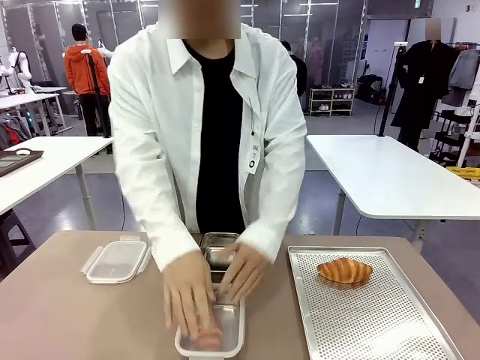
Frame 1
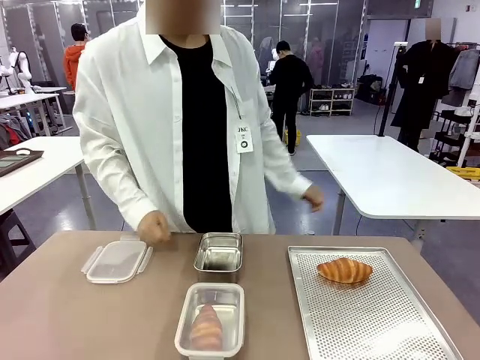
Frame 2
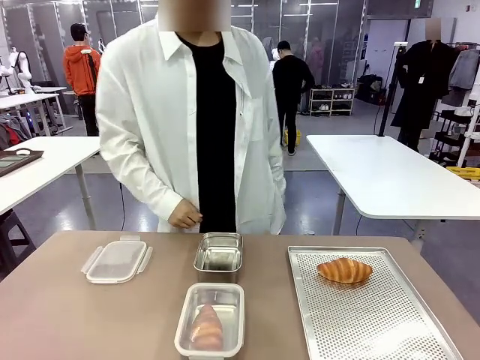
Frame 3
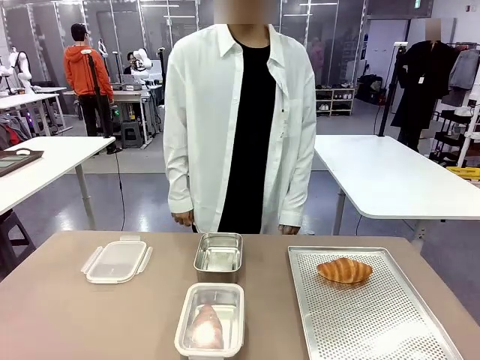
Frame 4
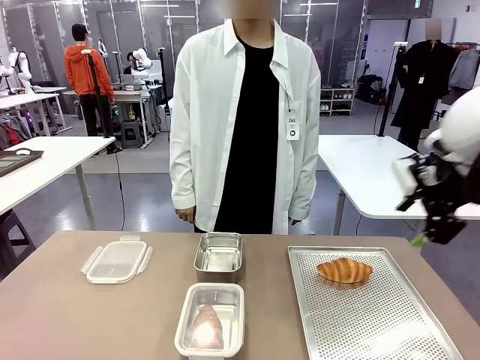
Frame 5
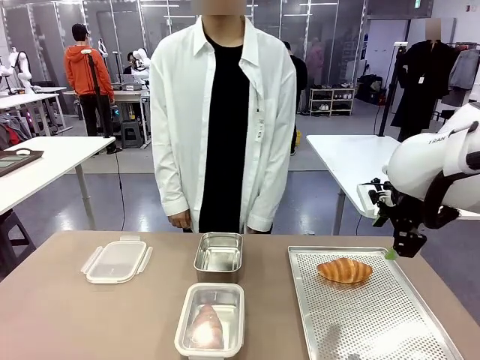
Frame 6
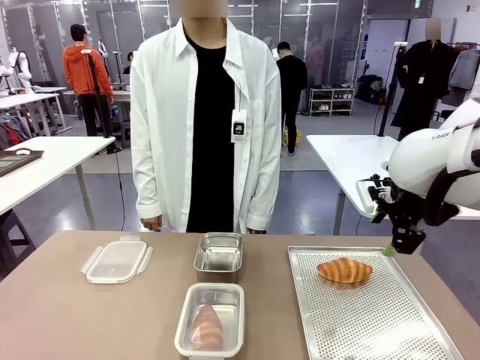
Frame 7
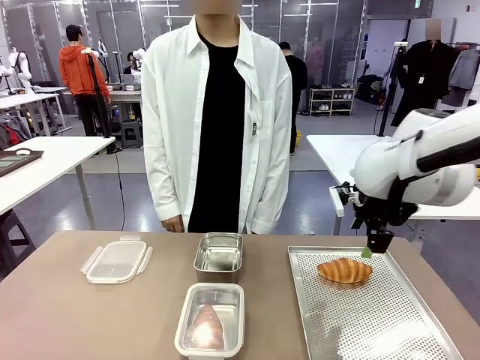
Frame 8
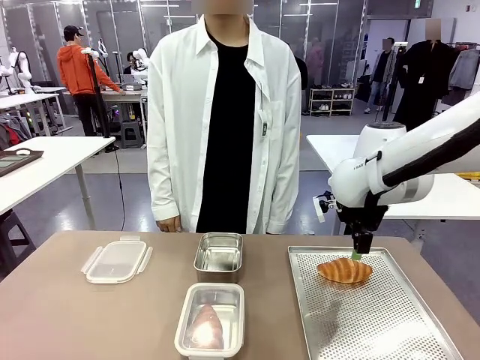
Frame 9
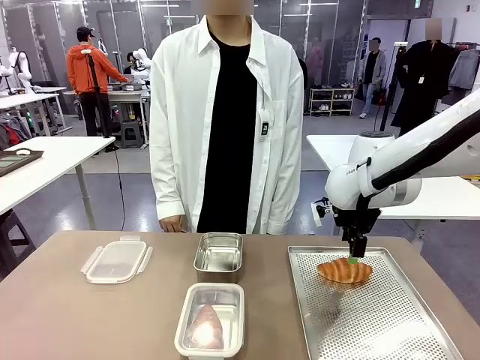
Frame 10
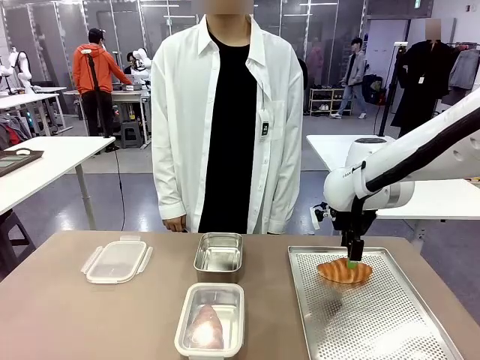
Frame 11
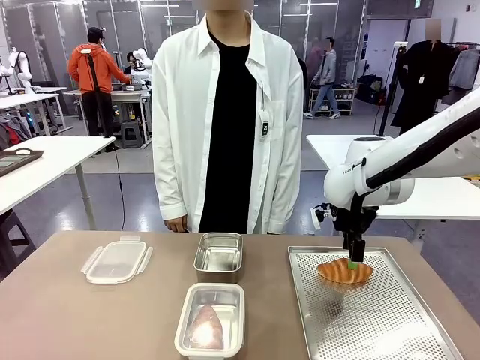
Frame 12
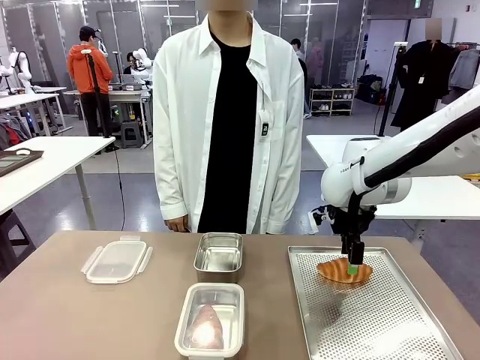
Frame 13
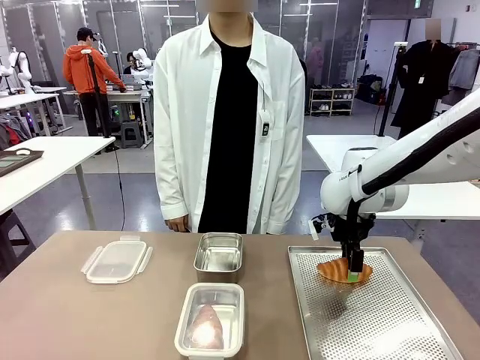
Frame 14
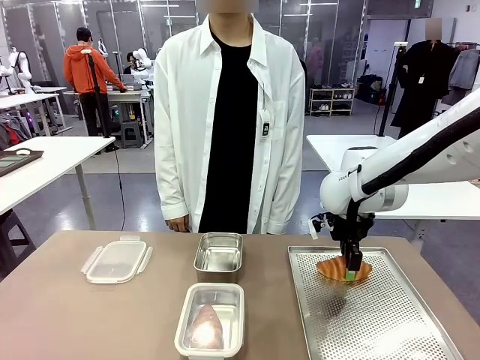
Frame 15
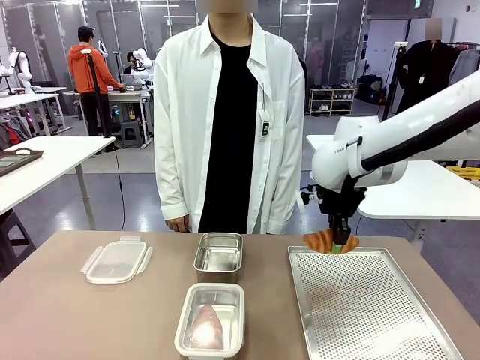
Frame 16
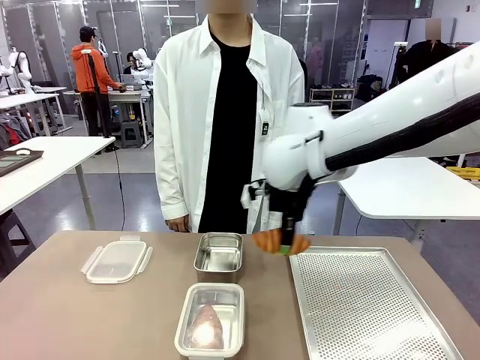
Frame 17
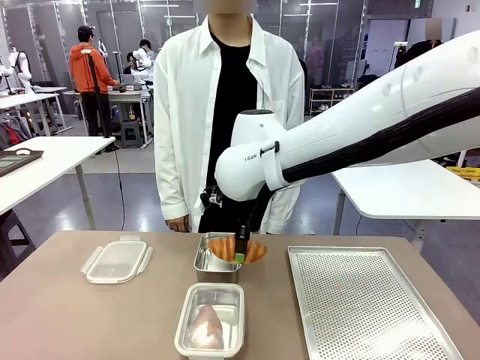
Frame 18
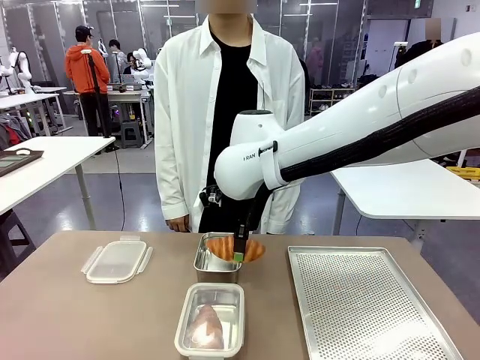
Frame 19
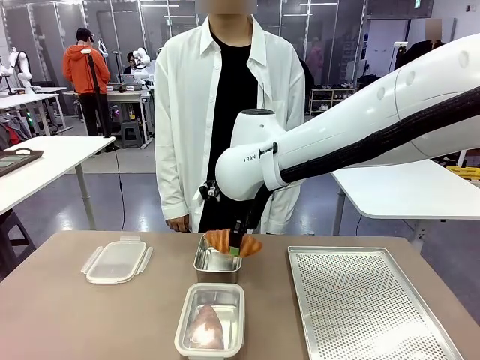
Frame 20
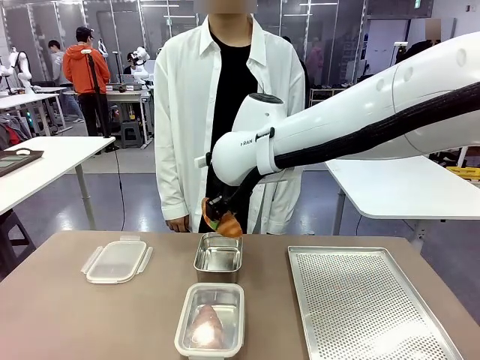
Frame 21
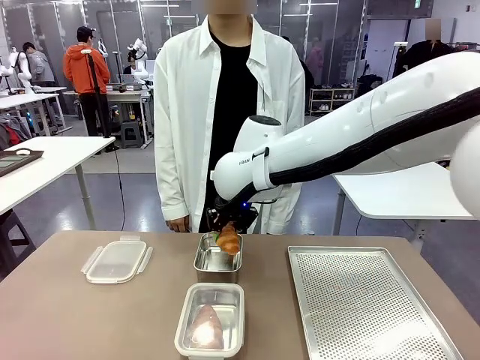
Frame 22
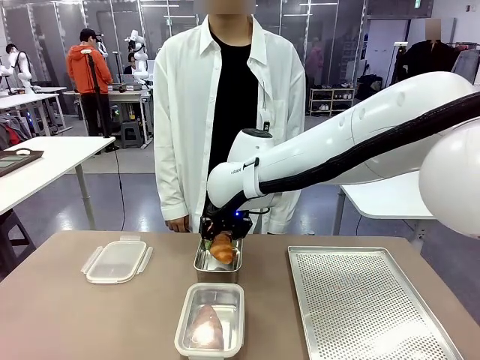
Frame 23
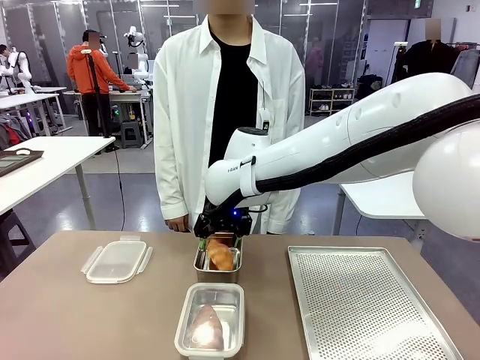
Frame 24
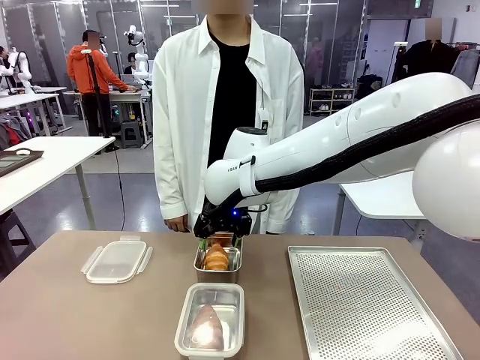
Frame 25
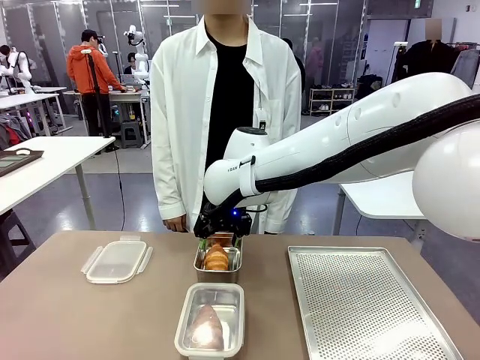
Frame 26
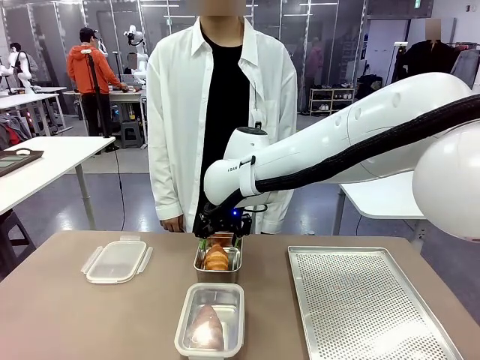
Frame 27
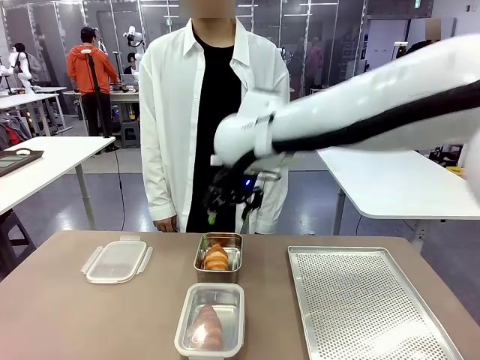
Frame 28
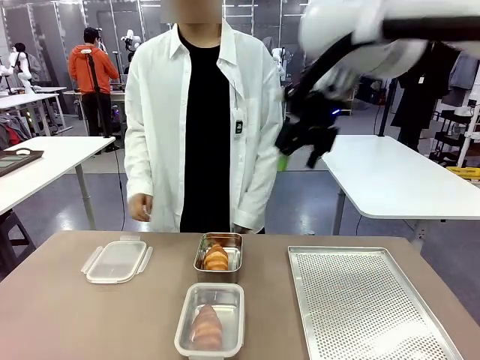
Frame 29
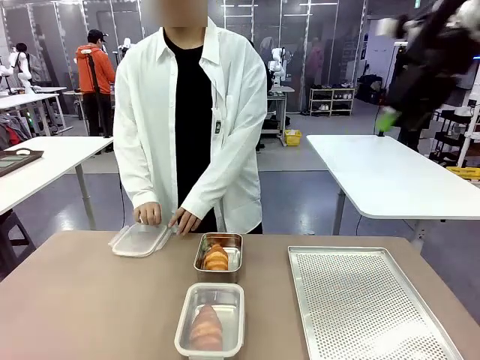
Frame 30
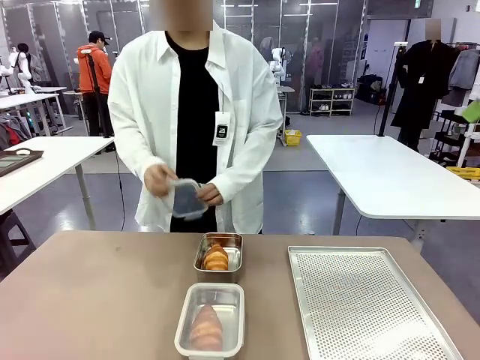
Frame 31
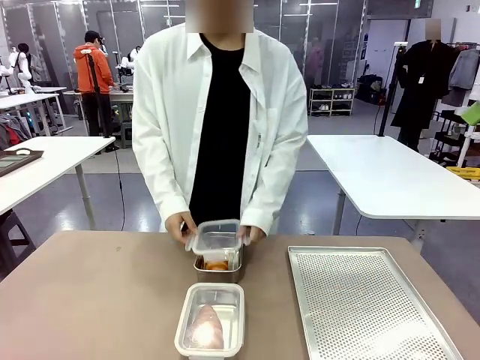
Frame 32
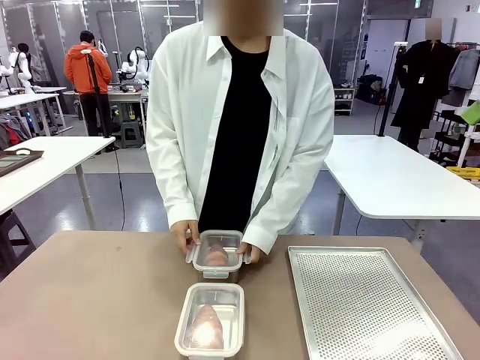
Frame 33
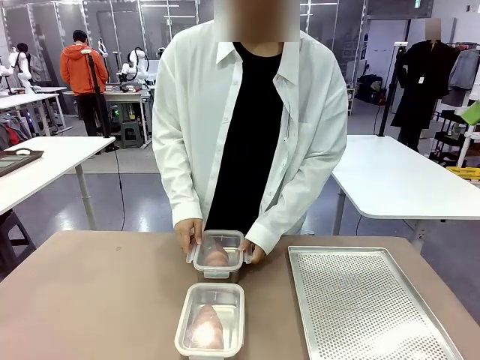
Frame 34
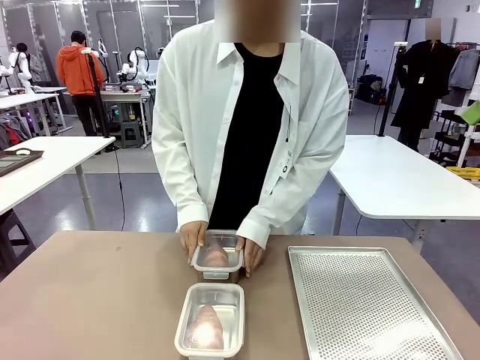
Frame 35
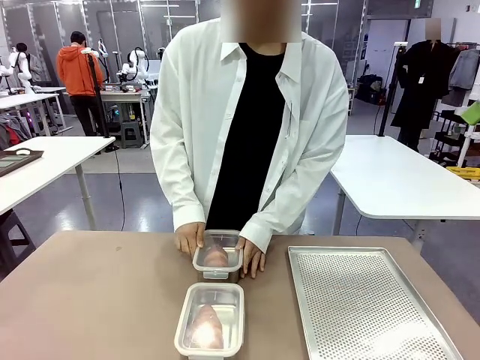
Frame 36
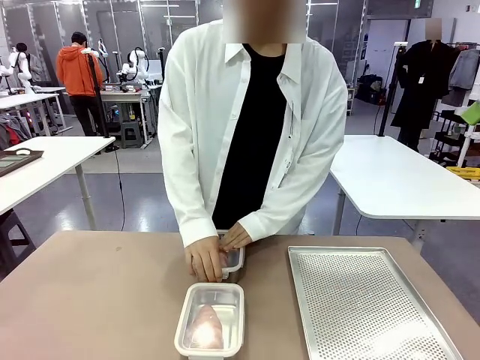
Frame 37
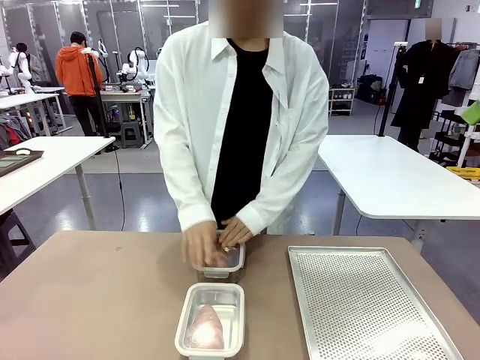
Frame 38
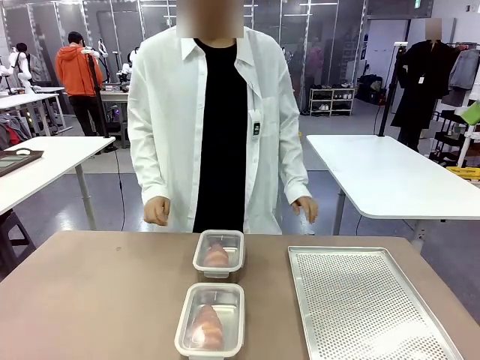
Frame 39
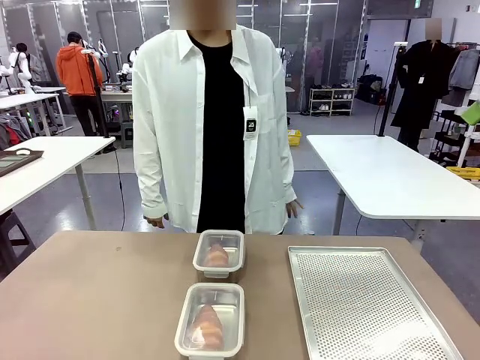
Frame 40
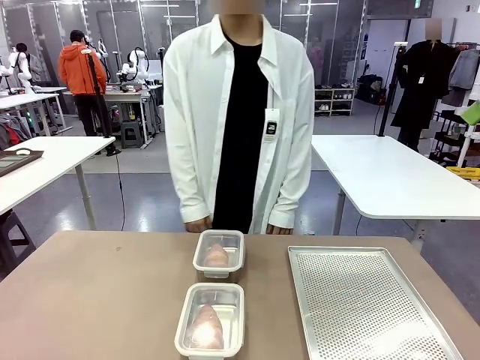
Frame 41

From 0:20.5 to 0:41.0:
Task: Place the bread into the airtight container.
Robot: Pick up a Butter Roll and place it into an empty Airtight Container.

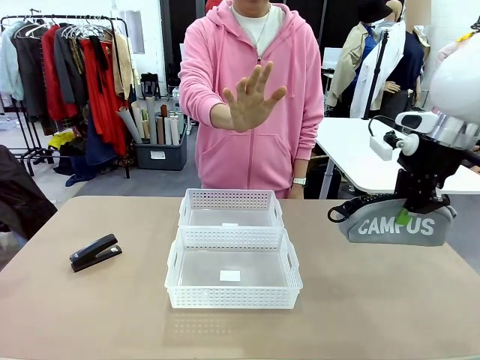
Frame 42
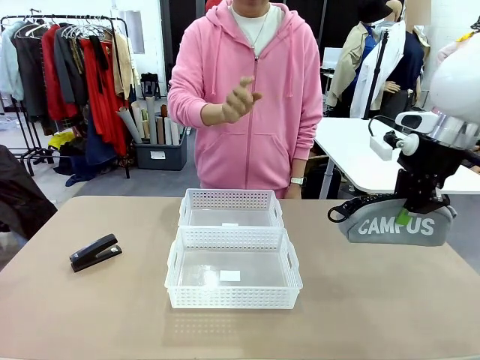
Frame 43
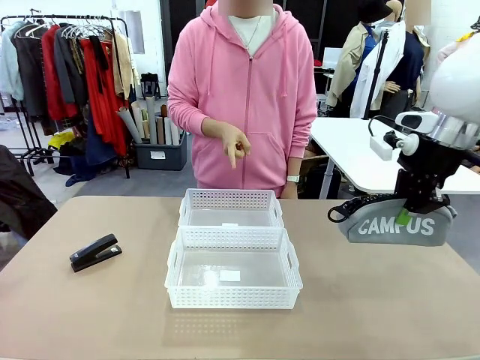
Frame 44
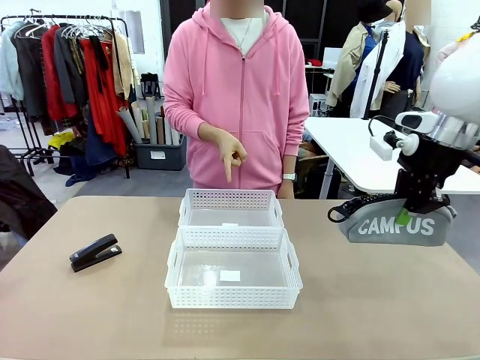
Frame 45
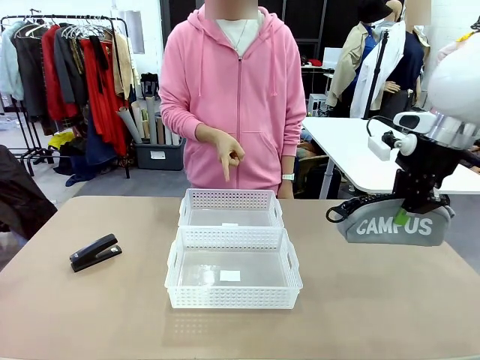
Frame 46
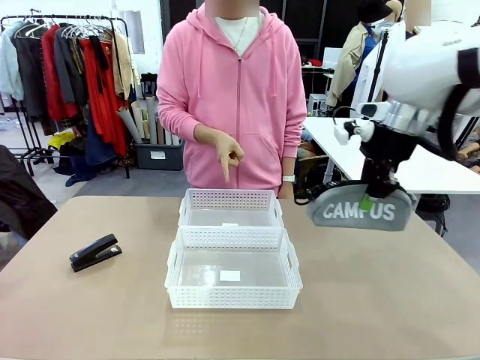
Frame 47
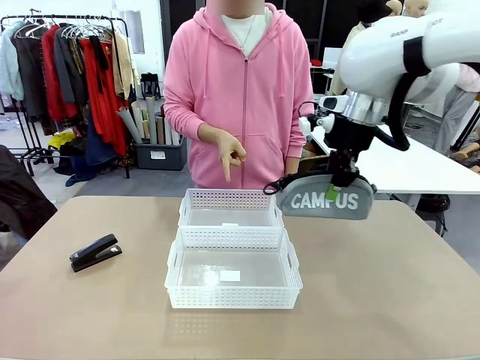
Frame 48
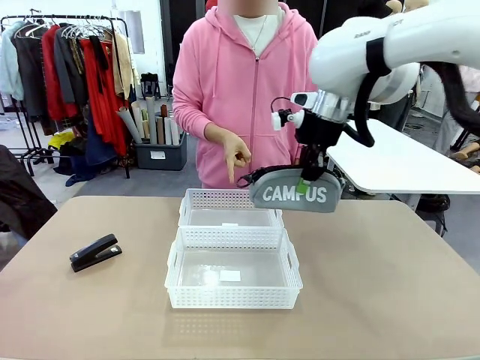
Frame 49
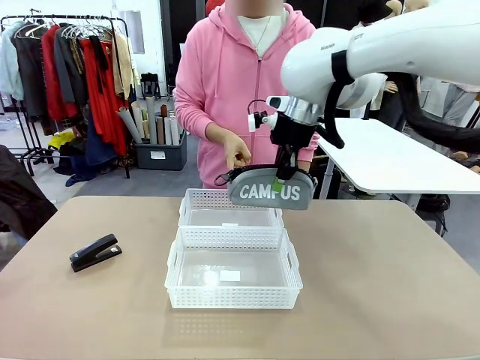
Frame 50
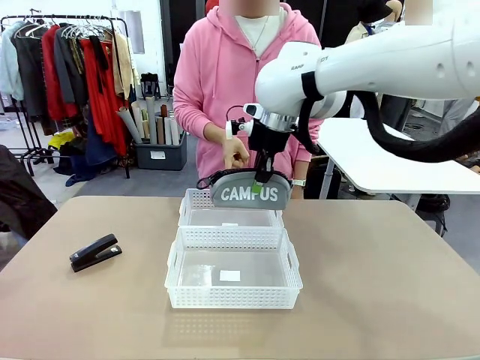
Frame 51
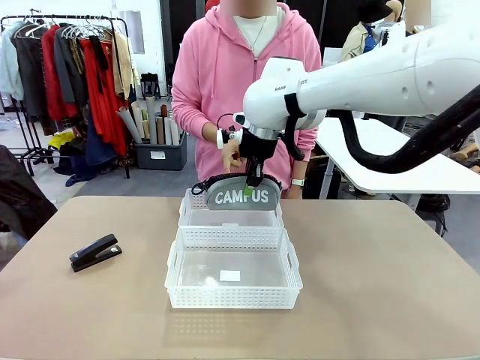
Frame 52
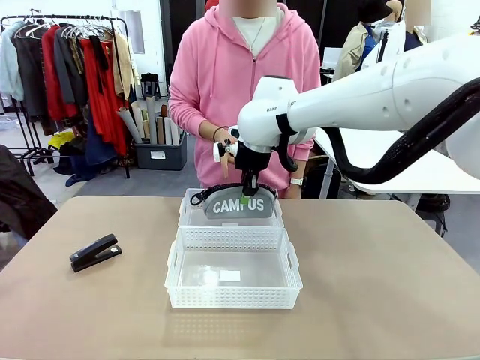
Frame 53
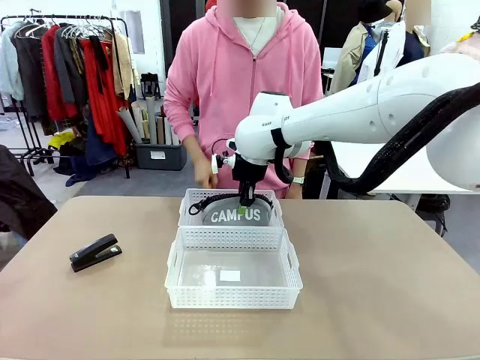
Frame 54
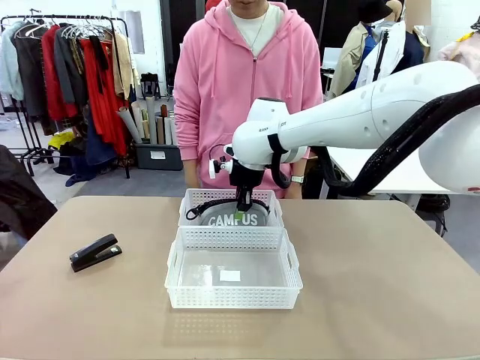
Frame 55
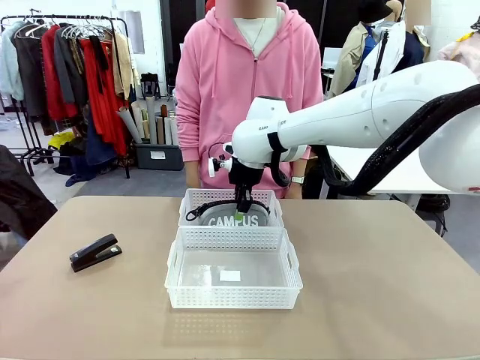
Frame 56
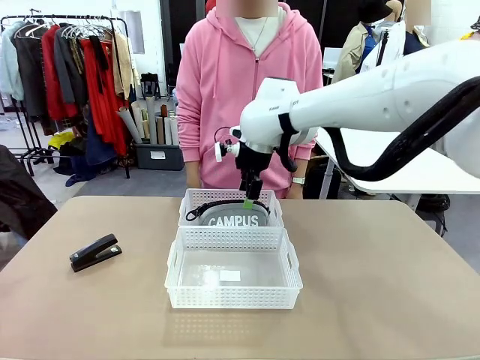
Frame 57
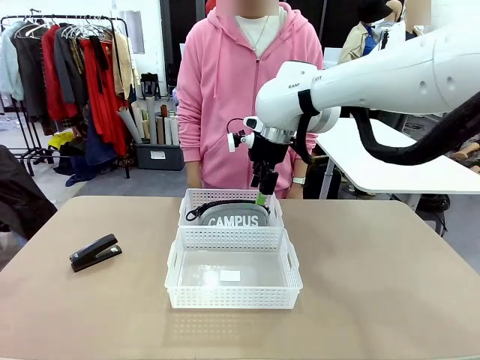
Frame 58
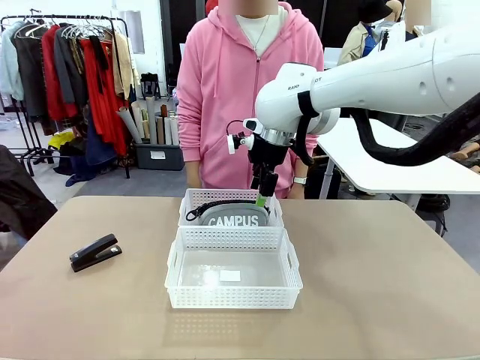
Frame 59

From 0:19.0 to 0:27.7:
Task: Distribute items into two baskets.
Robot: Place the picked Pencil pouch into the Organizing basket as instructed by the person.
Person: Instructs the robot to place the pencil case into the opposite basket. Points to the stapler.
